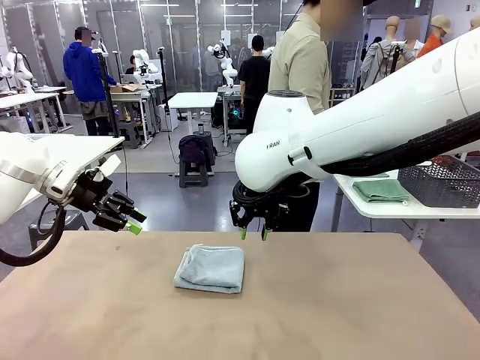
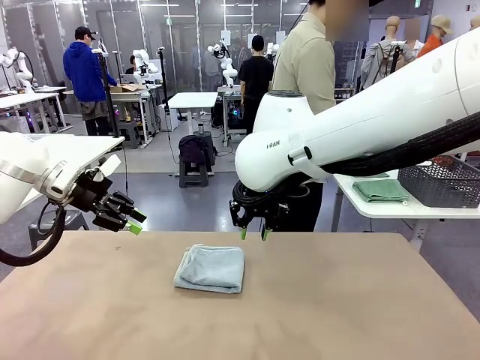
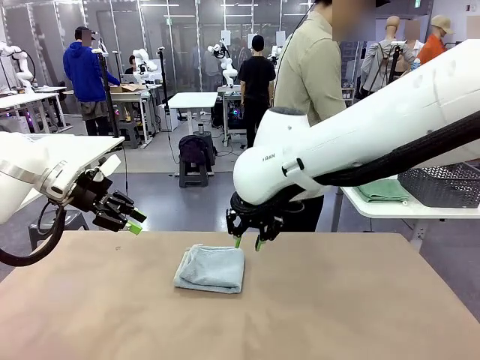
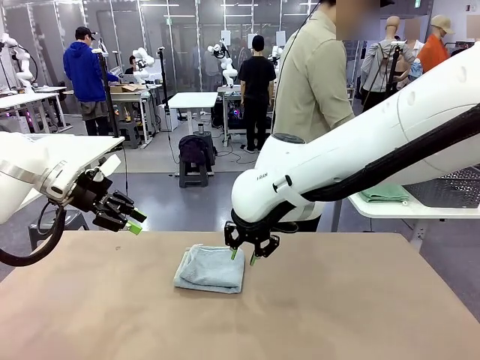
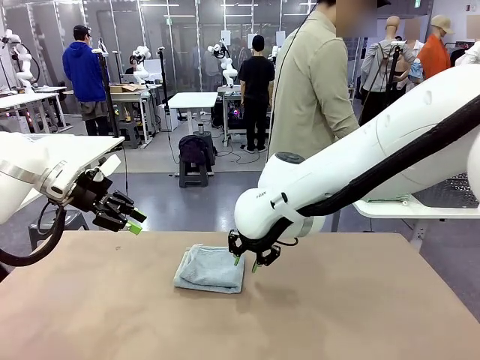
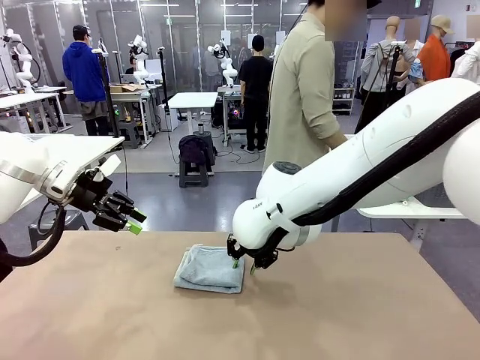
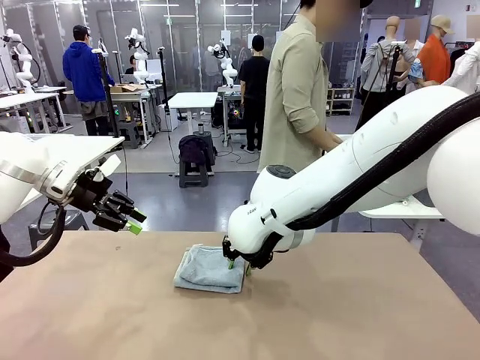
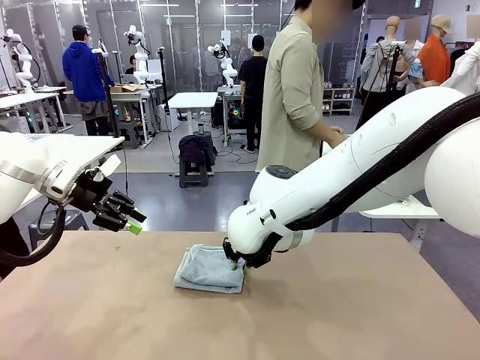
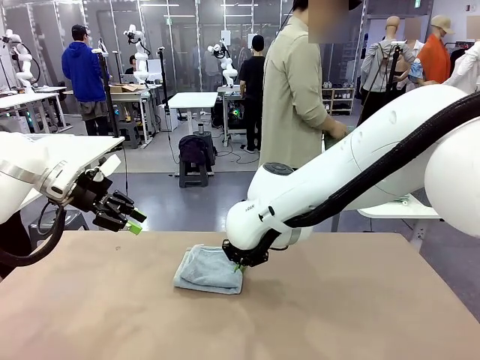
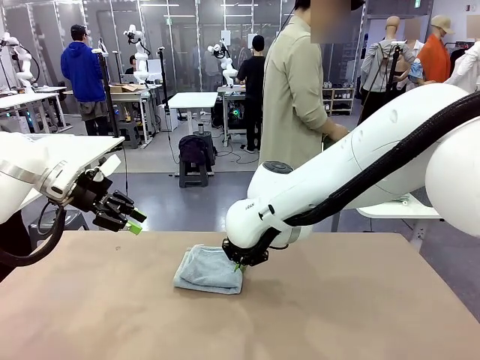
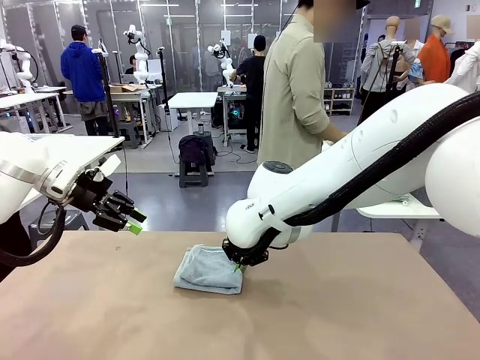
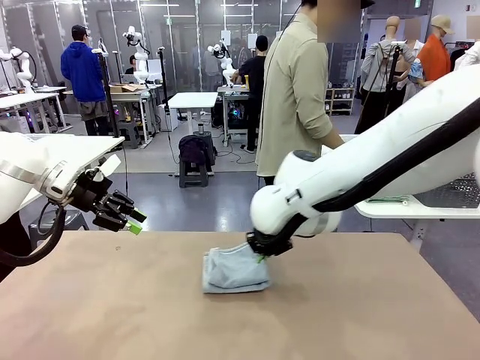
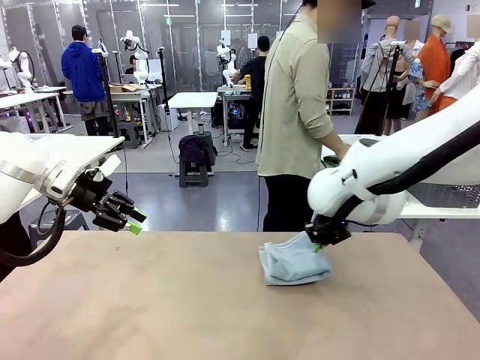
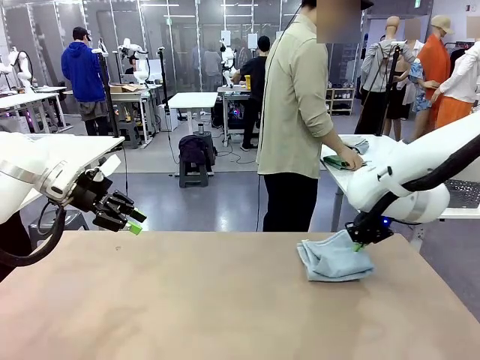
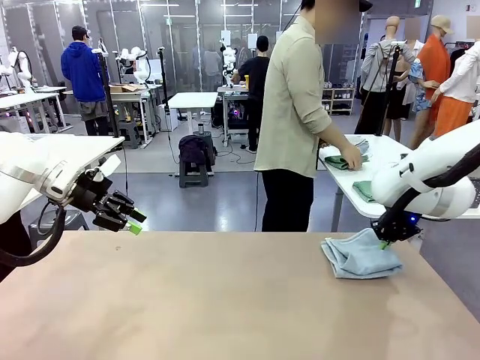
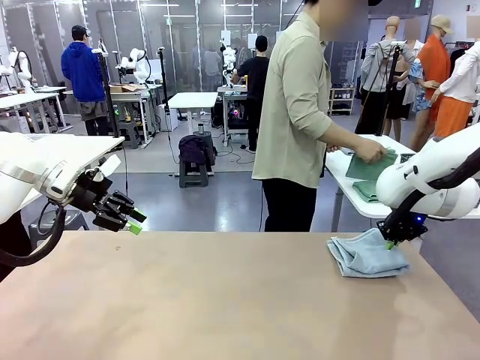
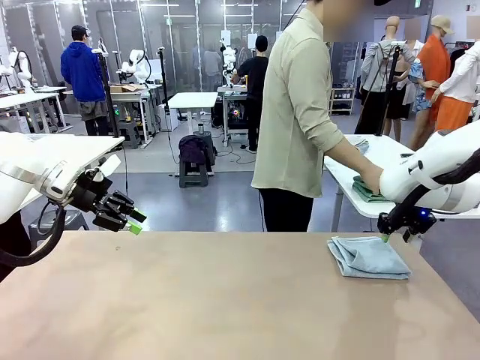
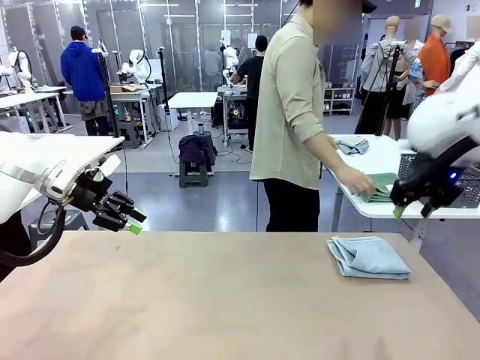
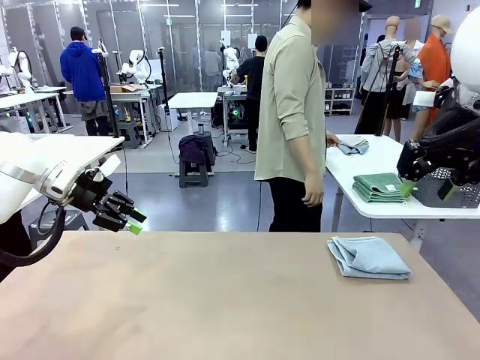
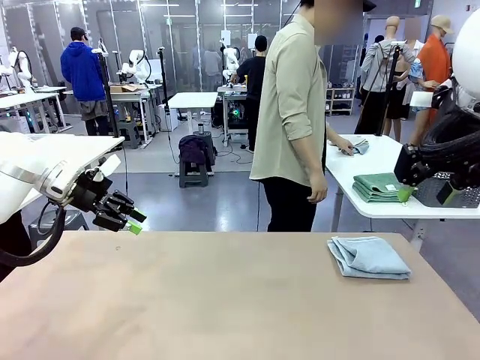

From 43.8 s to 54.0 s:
Task: Fold the towels and place them in the basket.
Robot: Place the folded Towel with hook on the right side of the table.

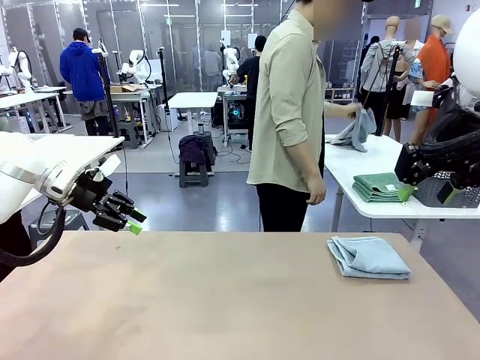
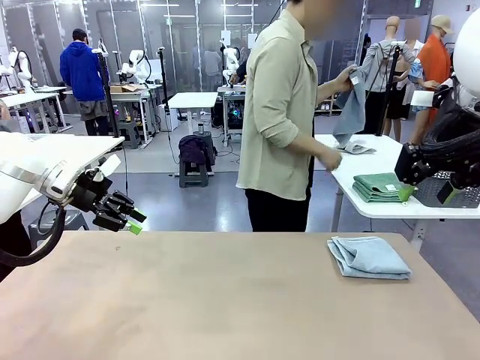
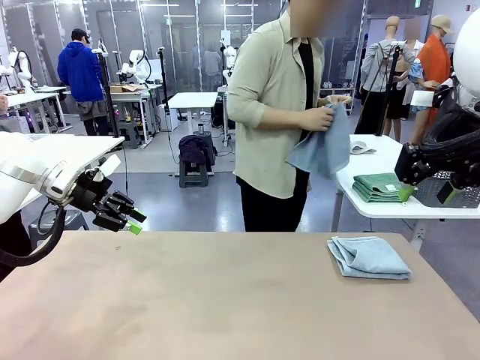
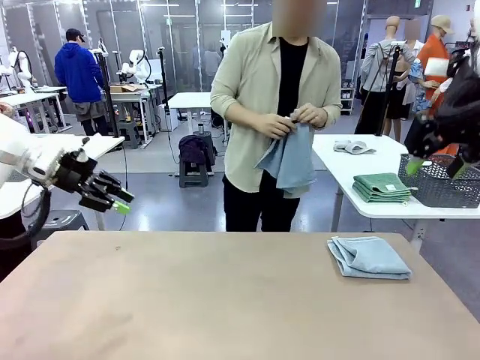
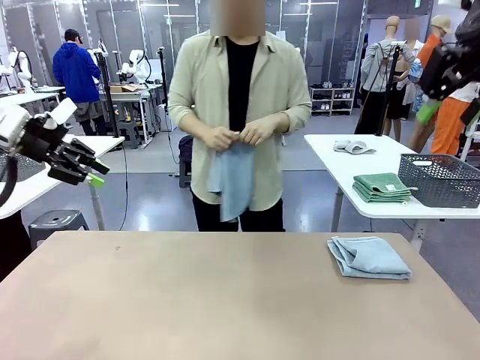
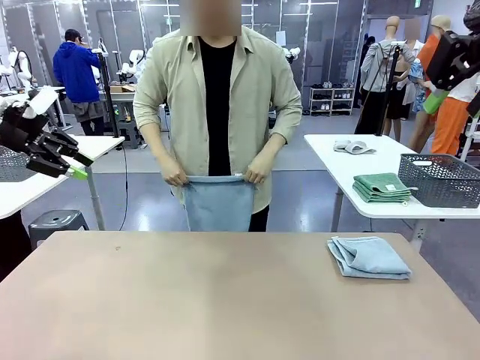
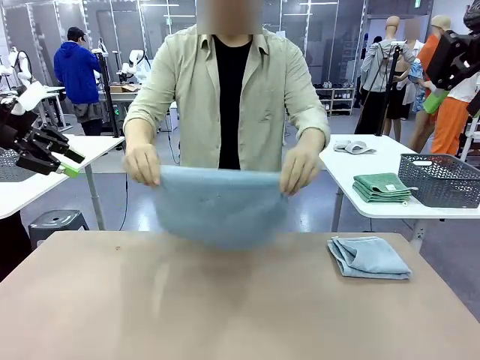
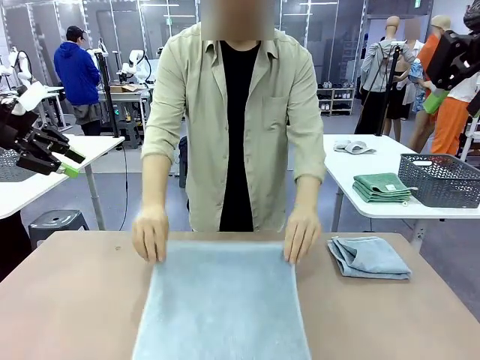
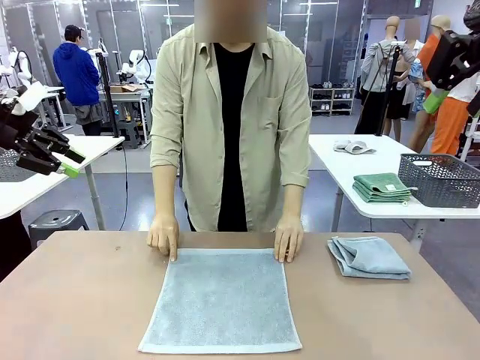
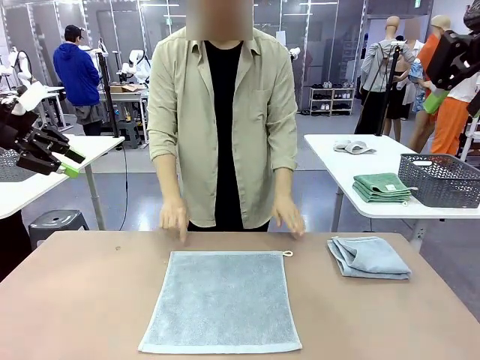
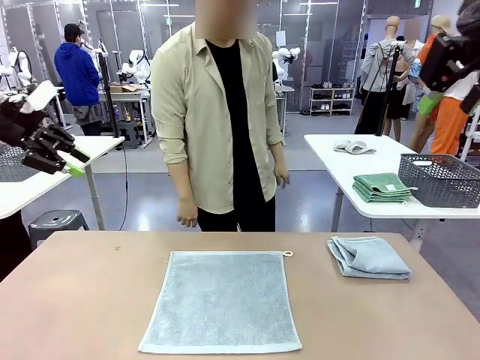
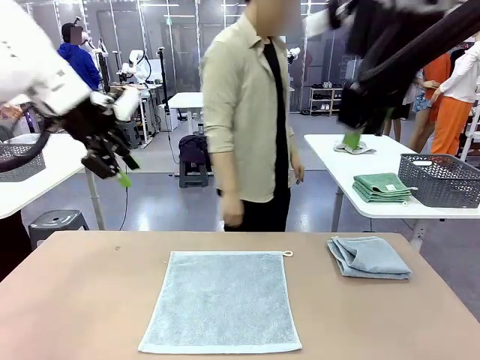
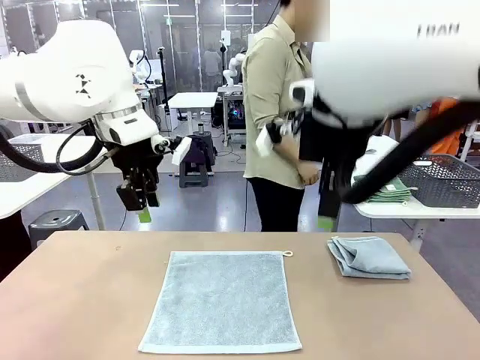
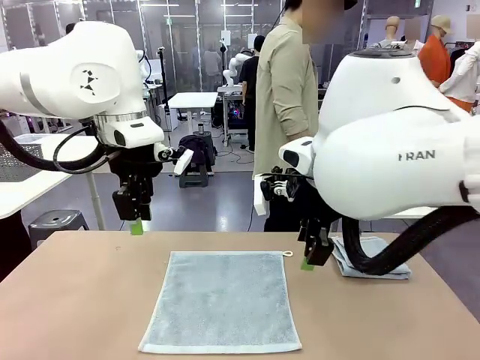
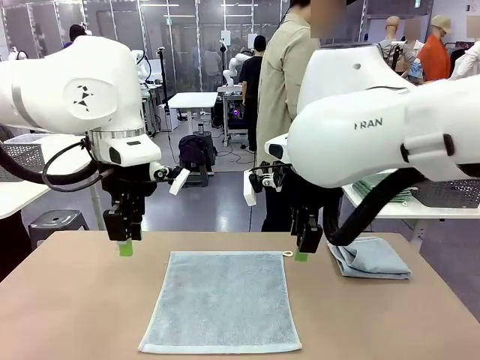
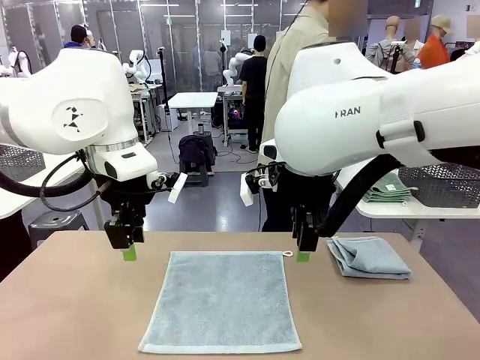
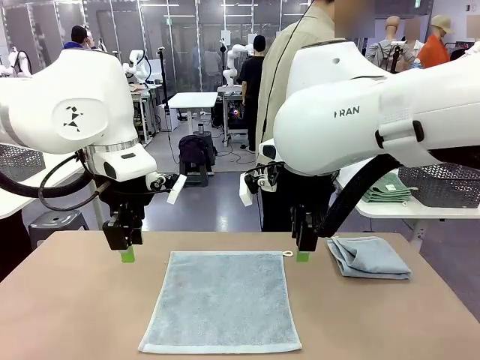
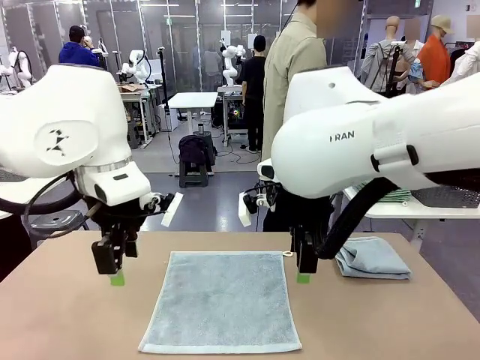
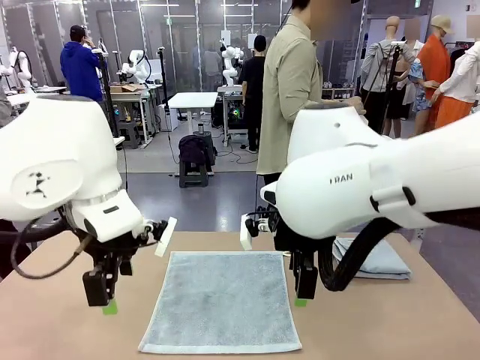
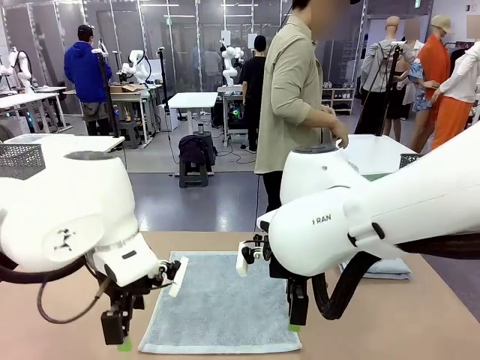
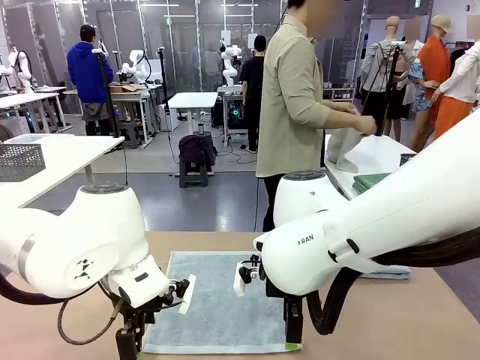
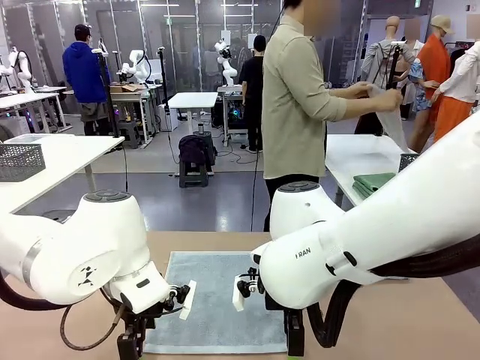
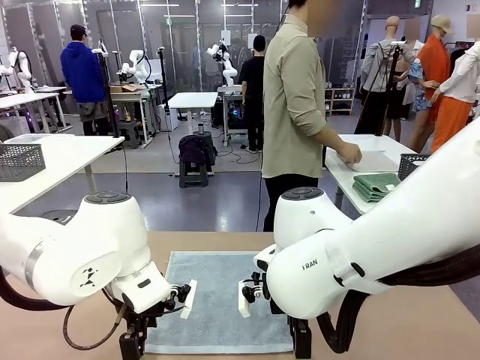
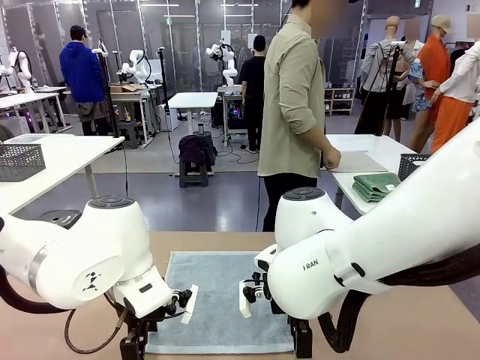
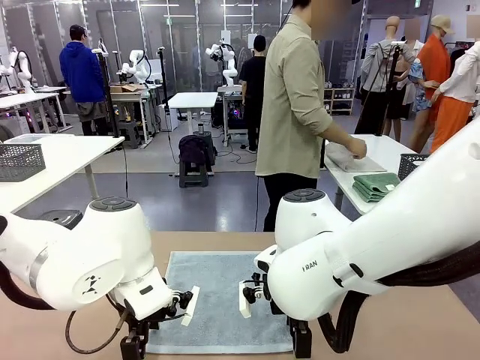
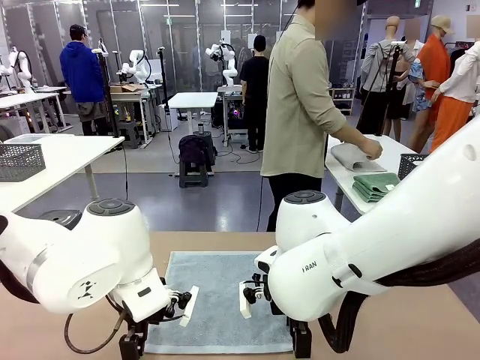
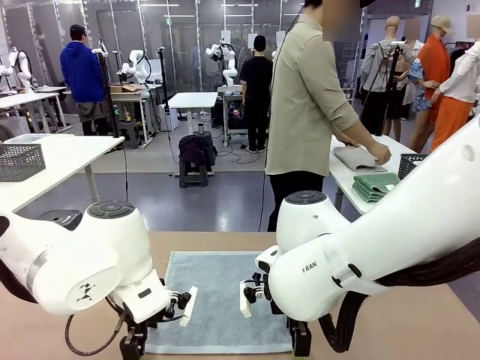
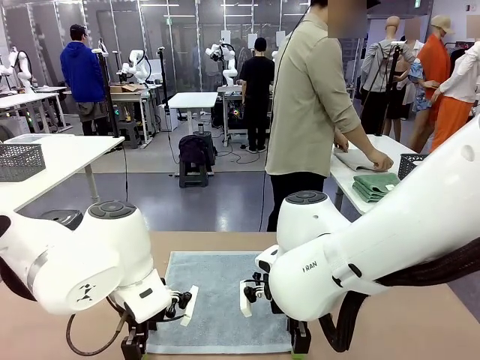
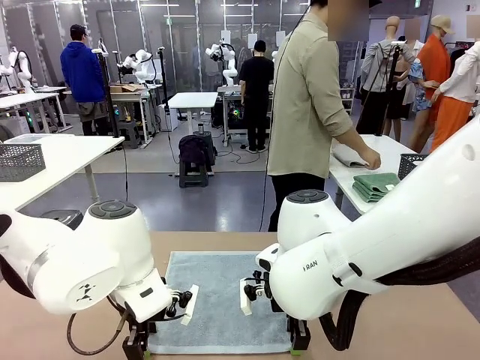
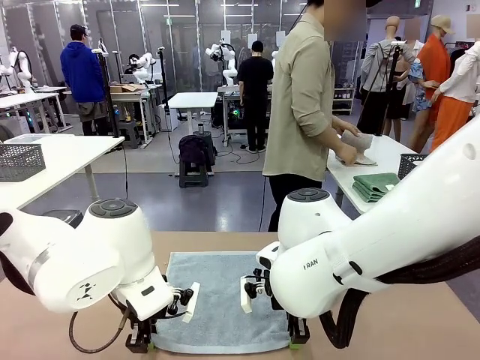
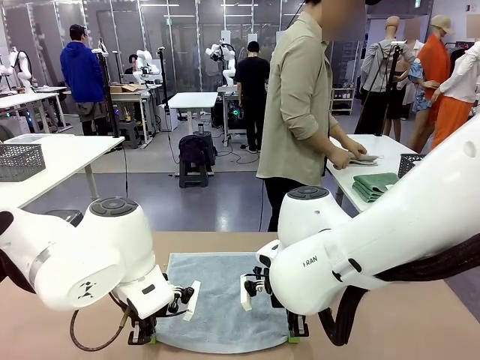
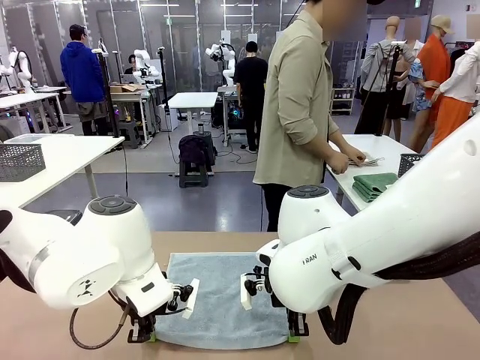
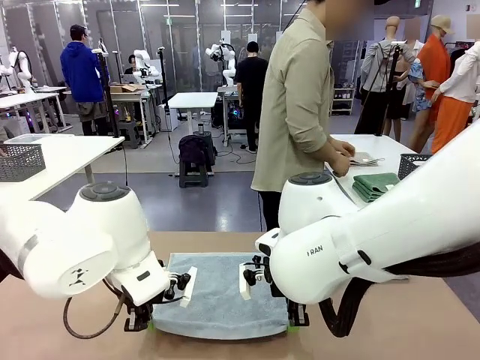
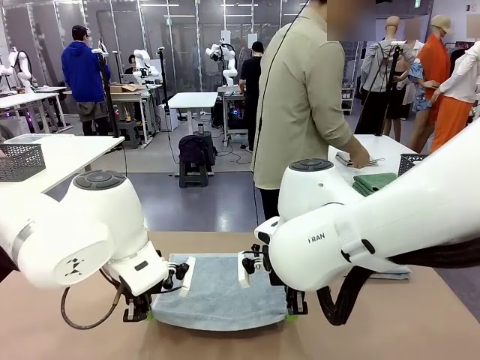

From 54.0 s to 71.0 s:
Robot: When a person lays out a Towel with hook on the table, fold it in half twice.
Person: Pick up one towel from the left side of the human table and spread it out at the center of the robot table. Pick up one towel from the left side of the human table, fold it in half twice, and stack it on the right side of the table.
